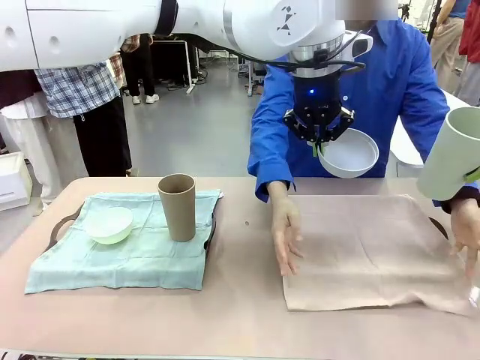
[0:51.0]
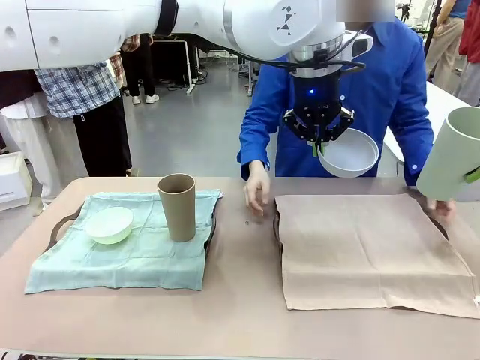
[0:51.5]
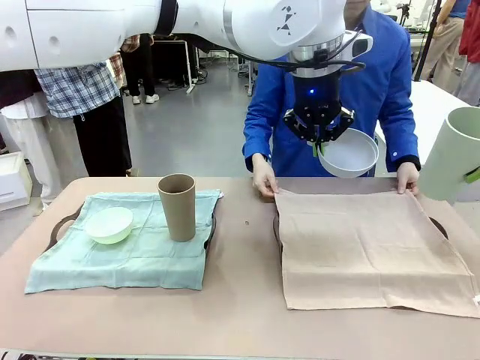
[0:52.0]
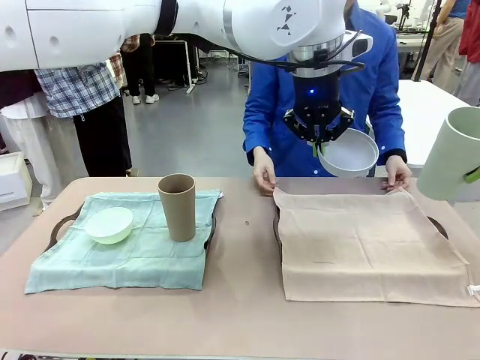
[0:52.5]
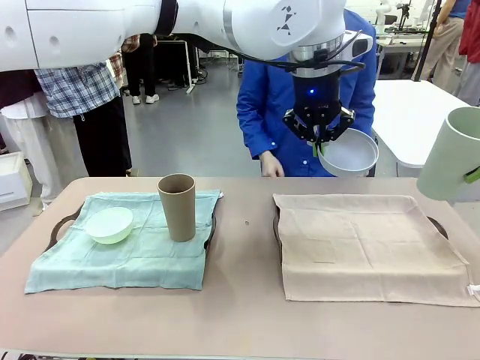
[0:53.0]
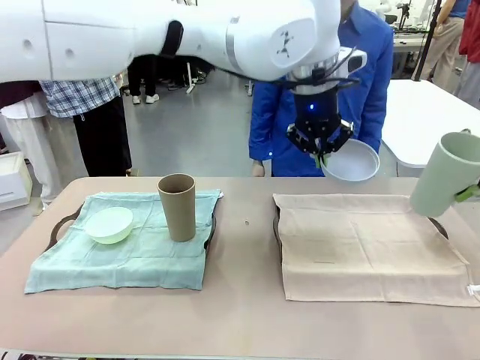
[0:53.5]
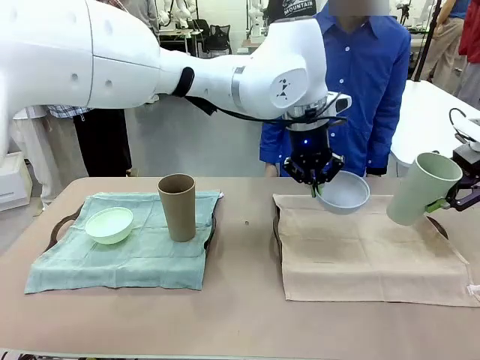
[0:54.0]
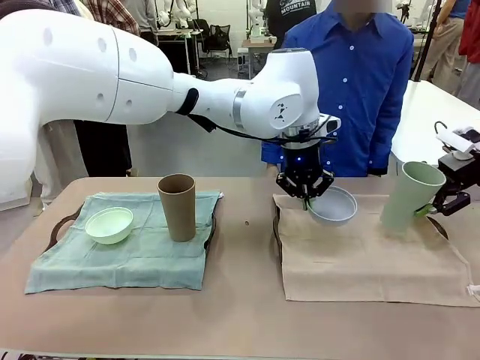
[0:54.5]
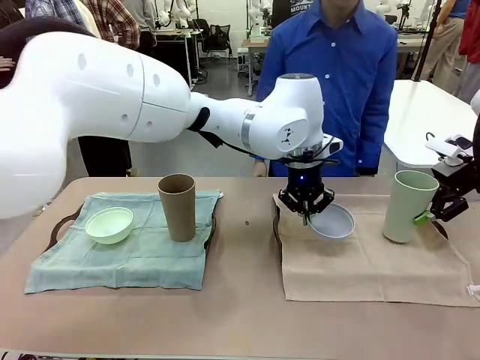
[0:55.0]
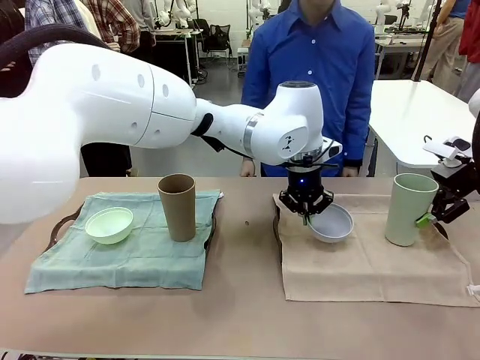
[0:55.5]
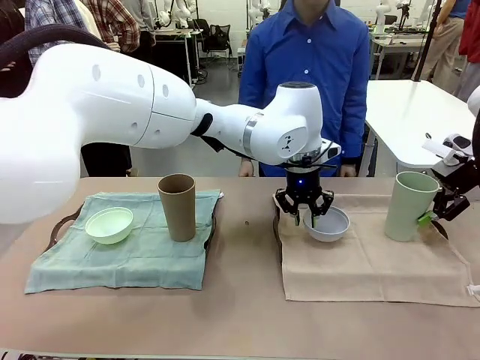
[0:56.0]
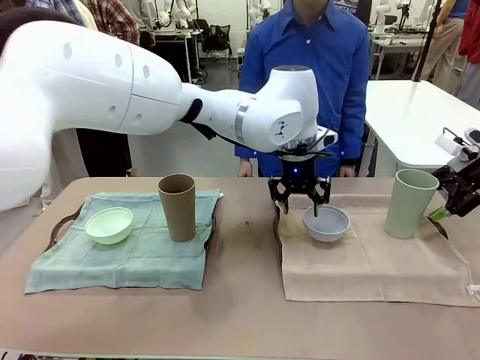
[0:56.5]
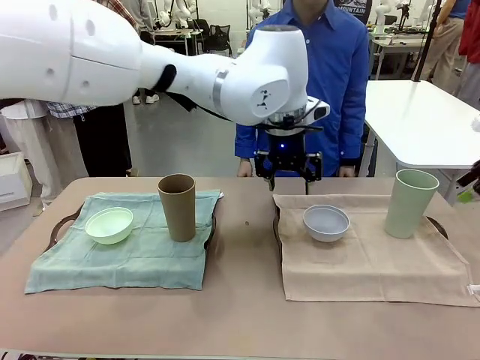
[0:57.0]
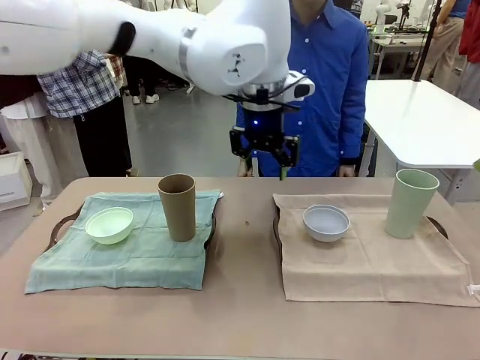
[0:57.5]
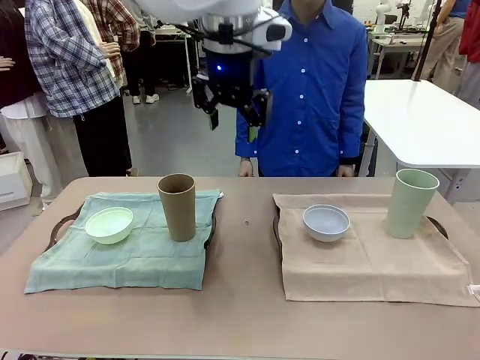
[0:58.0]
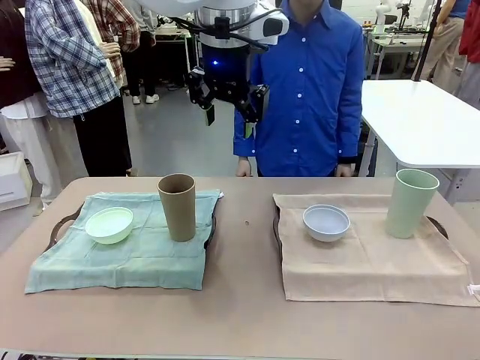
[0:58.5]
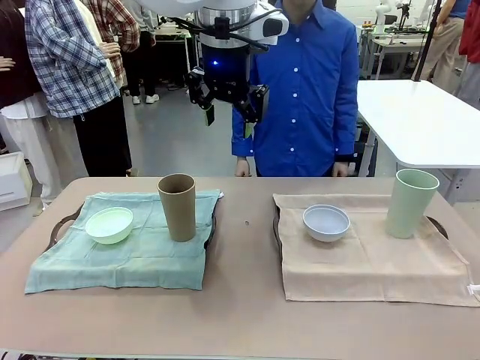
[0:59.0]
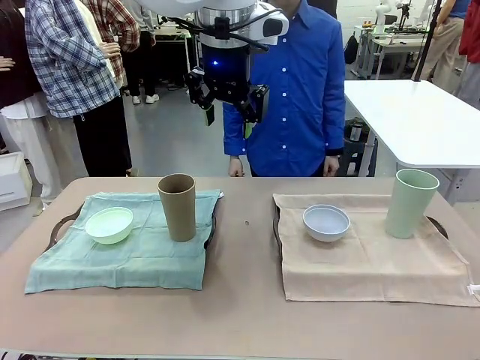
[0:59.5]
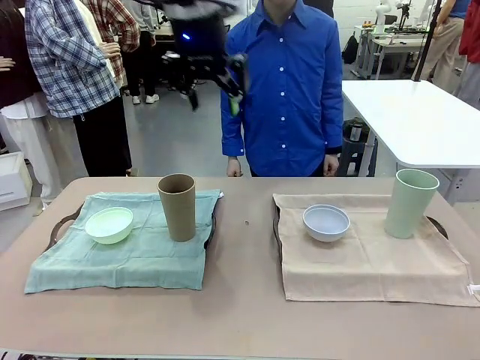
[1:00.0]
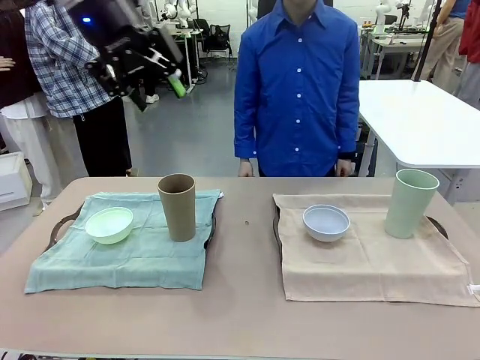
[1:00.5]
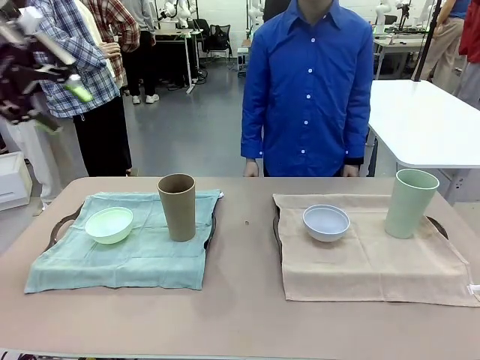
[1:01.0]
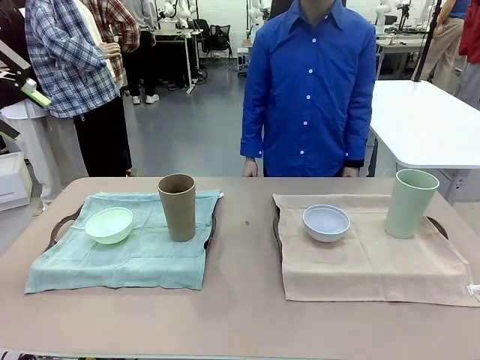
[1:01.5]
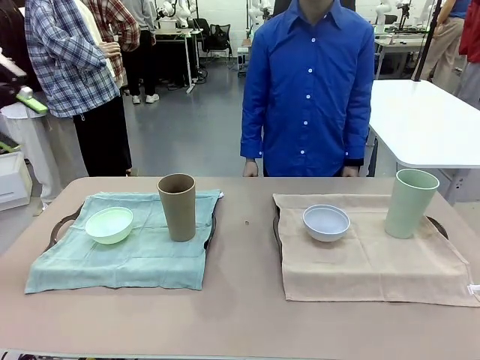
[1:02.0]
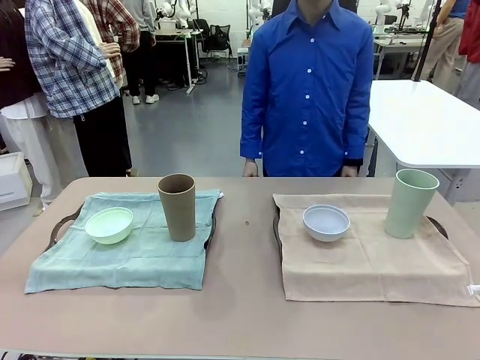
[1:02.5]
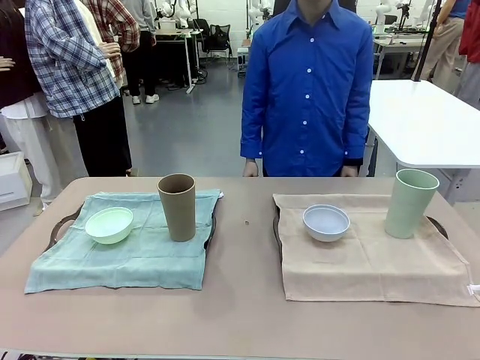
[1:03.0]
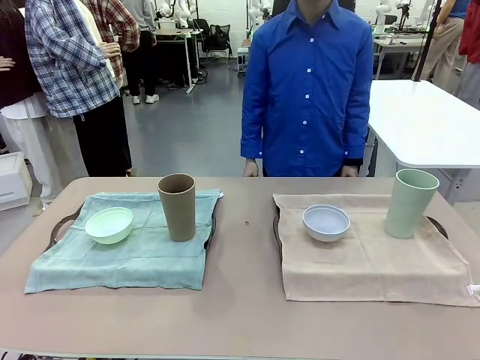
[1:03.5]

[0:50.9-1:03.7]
Robot: Place the Picnic Bowl and Reusable plastic cup back onto the Handle tray in front of the human's position.

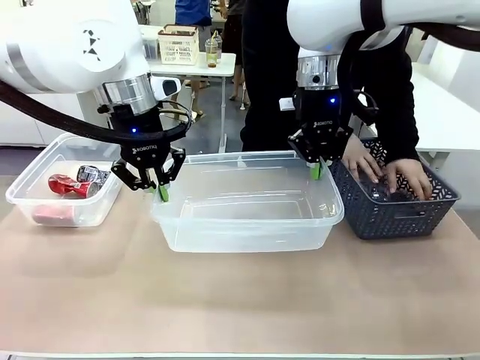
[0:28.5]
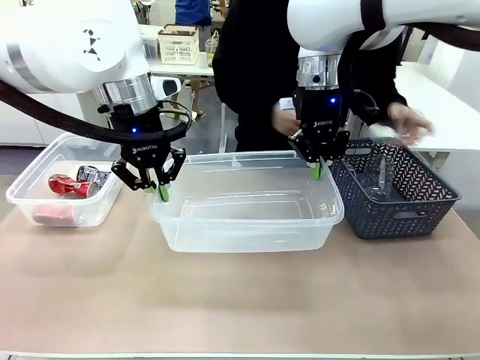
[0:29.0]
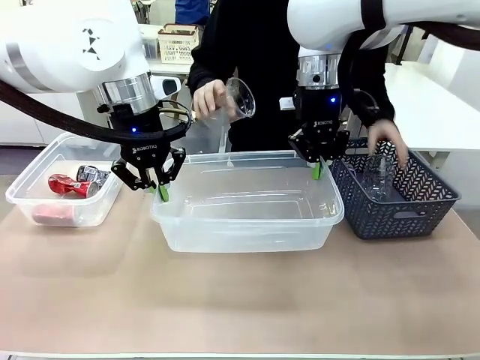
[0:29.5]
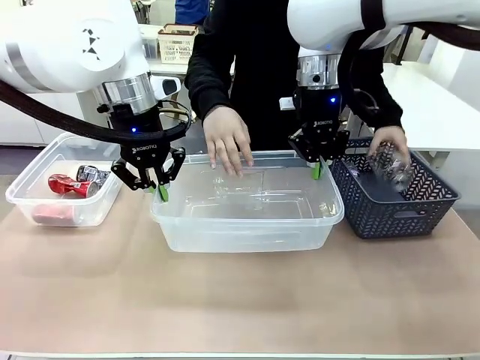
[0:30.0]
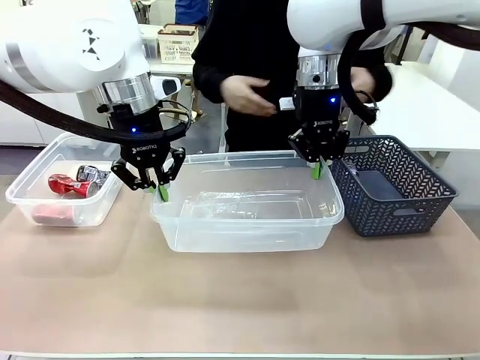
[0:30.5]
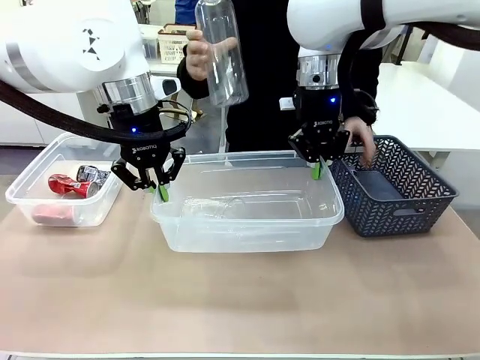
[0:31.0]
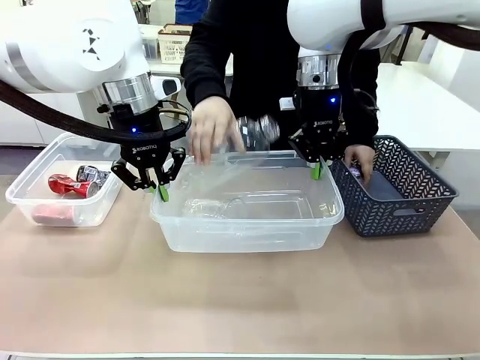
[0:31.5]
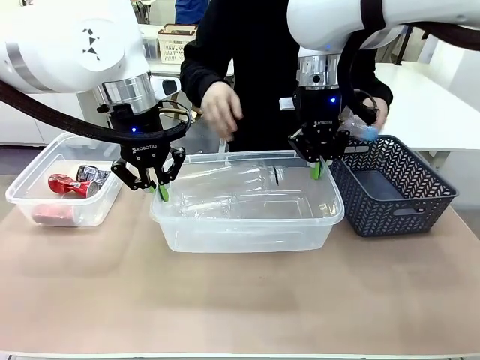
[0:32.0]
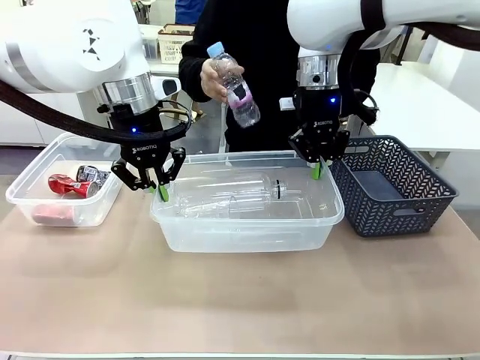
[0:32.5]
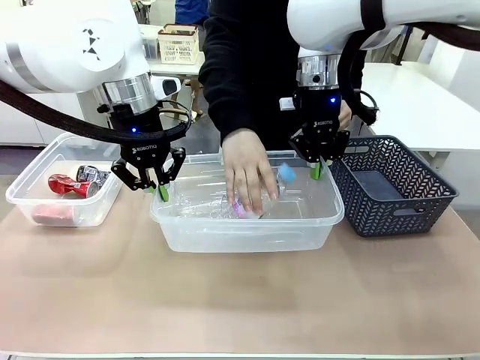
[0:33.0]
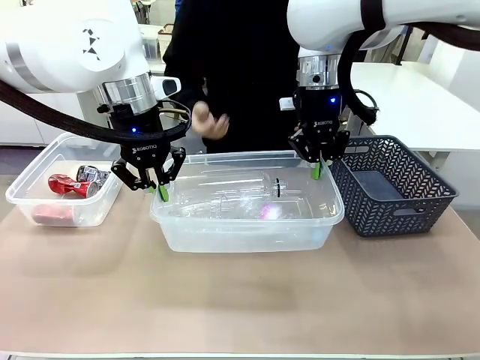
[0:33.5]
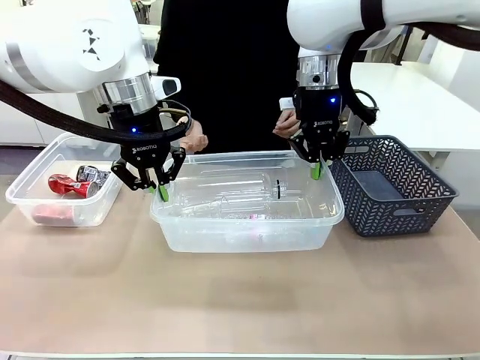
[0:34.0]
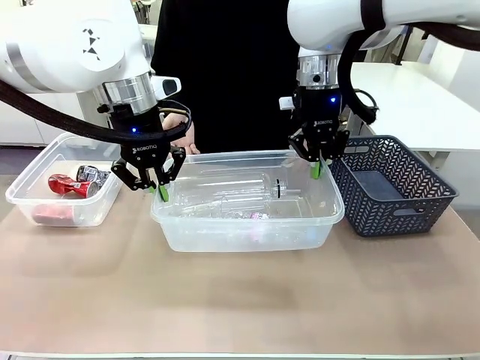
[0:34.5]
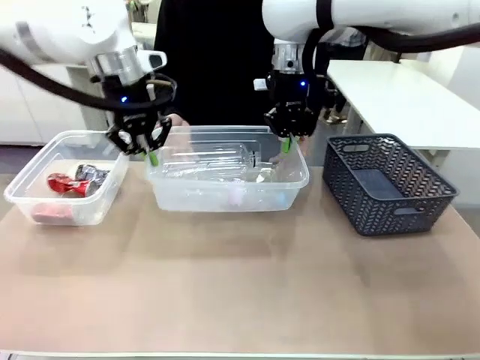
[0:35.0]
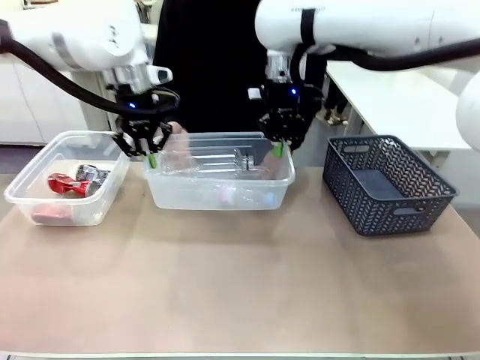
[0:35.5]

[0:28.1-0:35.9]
Robot: Offer the picked Organizing box to the human.
Person: Pick up plastic waste one by one and place it into the organizing box lifted by the robot.

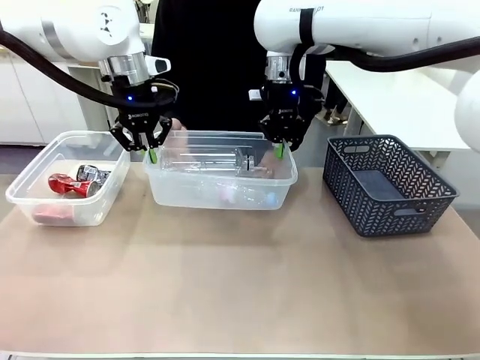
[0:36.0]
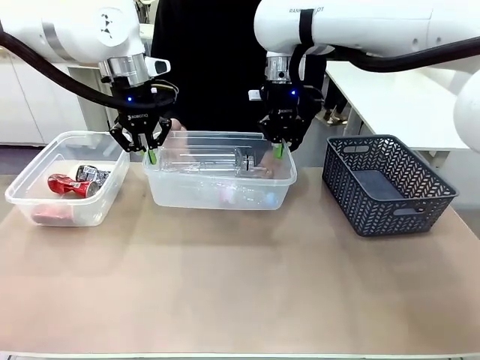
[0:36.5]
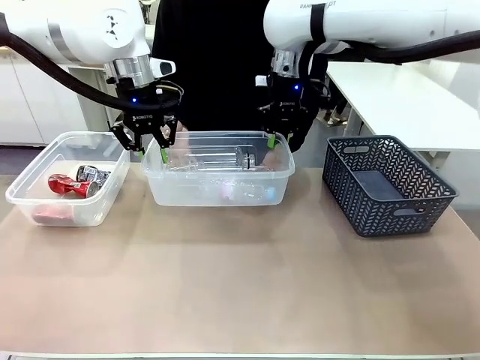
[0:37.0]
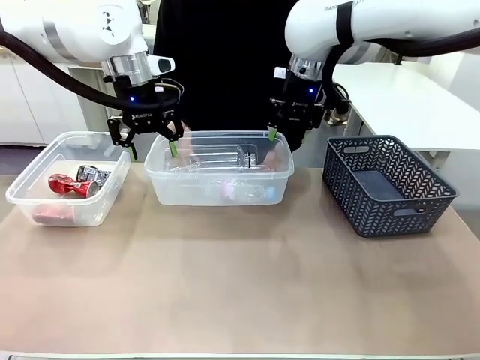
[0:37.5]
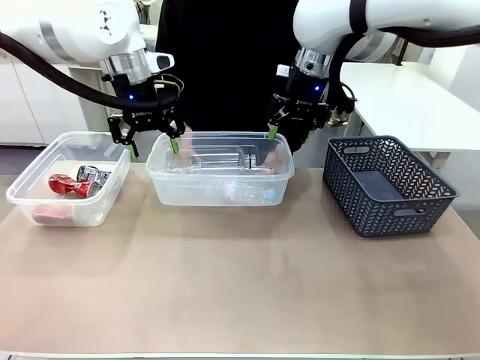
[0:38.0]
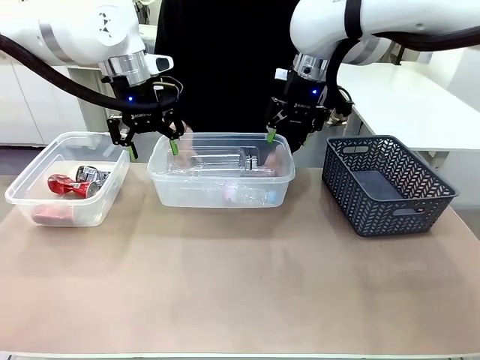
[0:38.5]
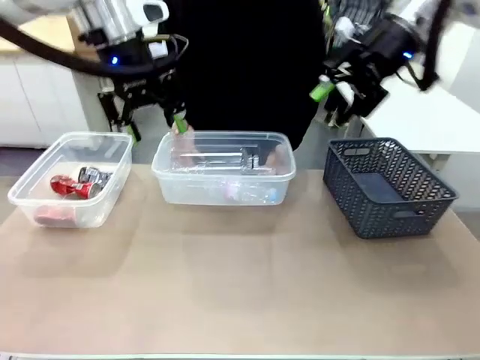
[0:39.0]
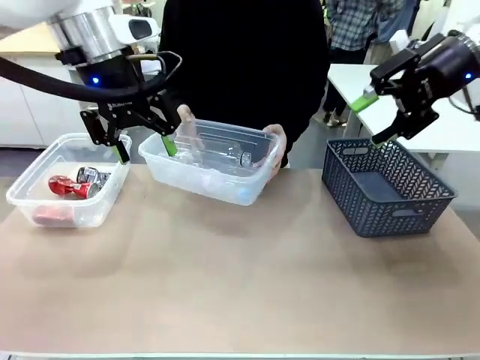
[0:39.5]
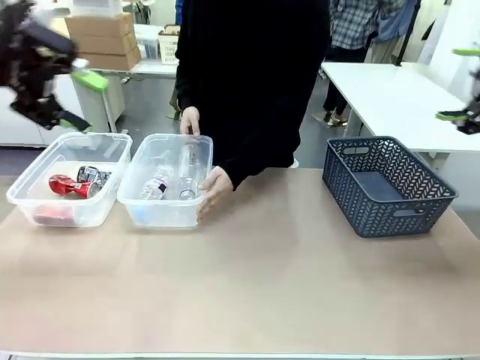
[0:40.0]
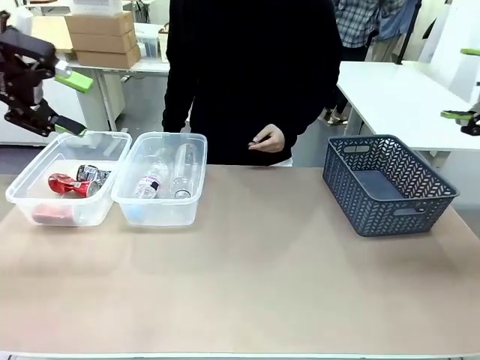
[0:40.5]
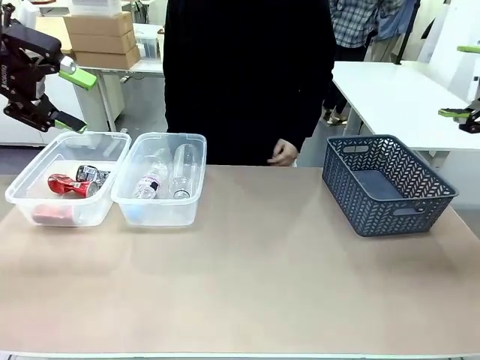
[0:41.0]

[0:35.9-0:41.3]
Robot: Release the Organizing box you were holding.
Person: Pick up the organizing box extended by the robot. Place the organizing box to the left of the sorting box containing the can waste.
